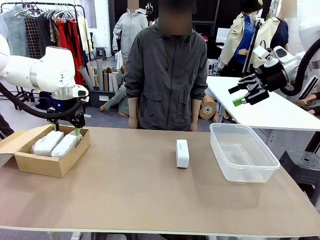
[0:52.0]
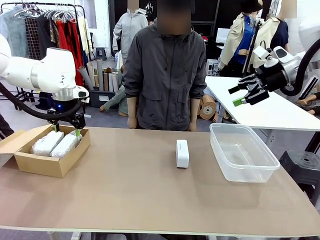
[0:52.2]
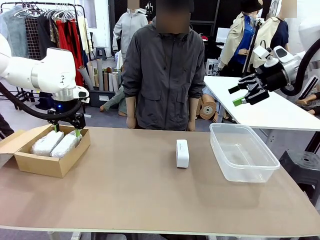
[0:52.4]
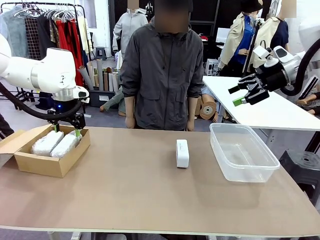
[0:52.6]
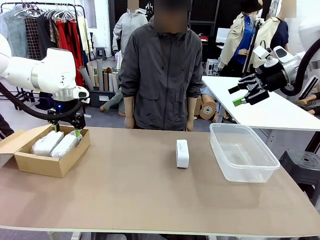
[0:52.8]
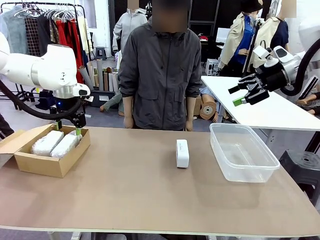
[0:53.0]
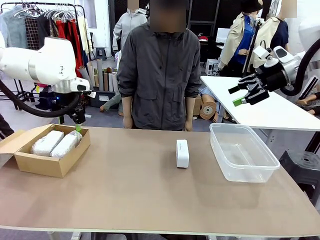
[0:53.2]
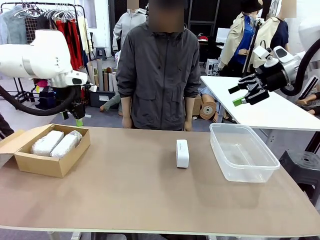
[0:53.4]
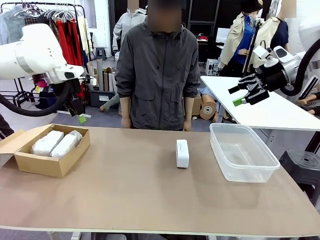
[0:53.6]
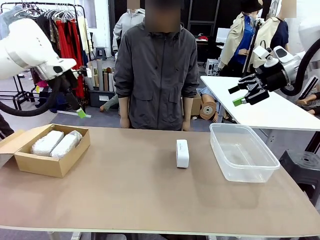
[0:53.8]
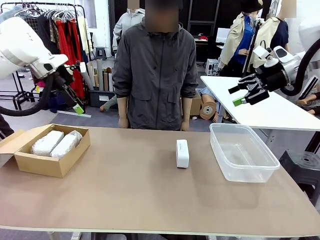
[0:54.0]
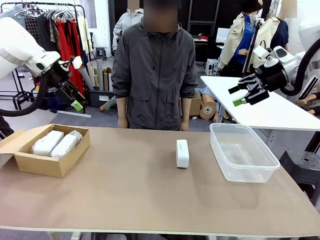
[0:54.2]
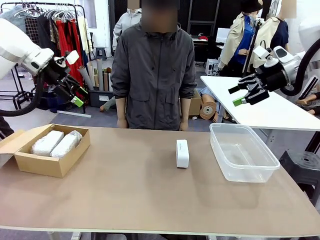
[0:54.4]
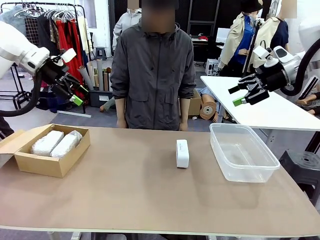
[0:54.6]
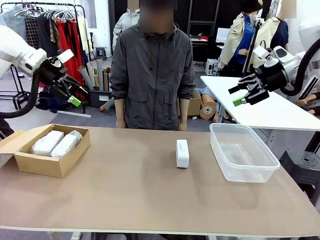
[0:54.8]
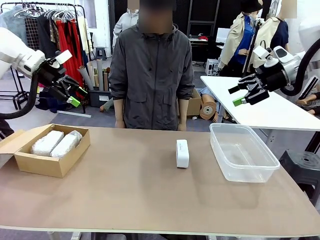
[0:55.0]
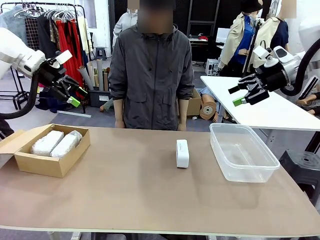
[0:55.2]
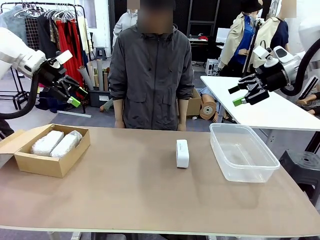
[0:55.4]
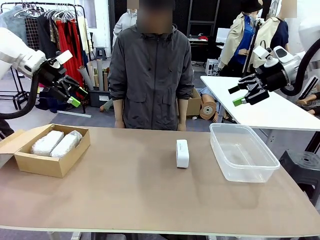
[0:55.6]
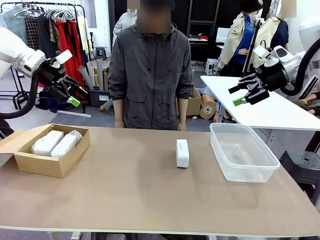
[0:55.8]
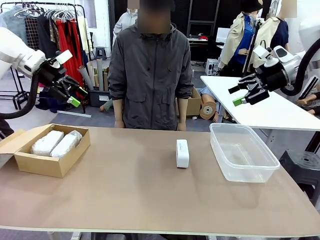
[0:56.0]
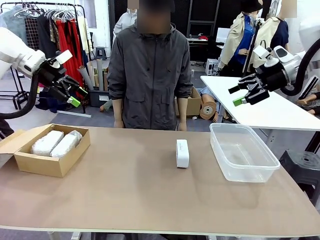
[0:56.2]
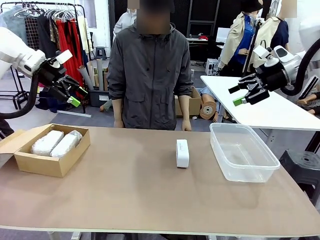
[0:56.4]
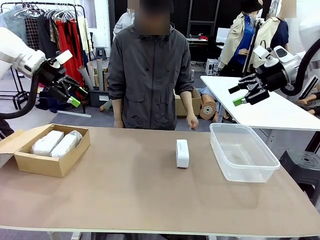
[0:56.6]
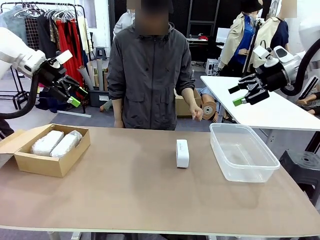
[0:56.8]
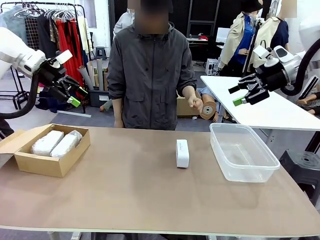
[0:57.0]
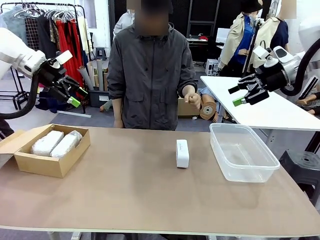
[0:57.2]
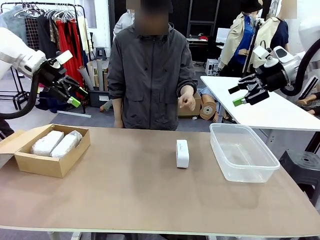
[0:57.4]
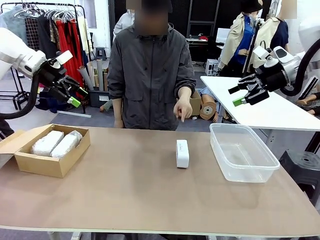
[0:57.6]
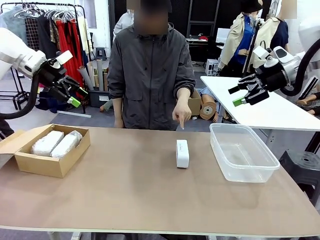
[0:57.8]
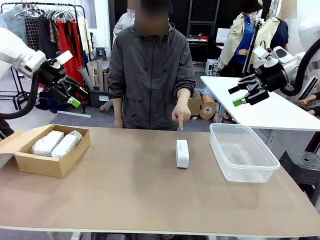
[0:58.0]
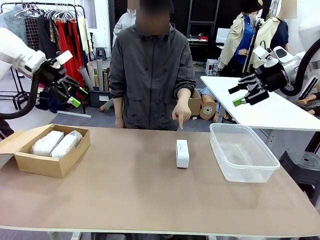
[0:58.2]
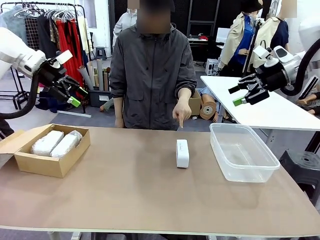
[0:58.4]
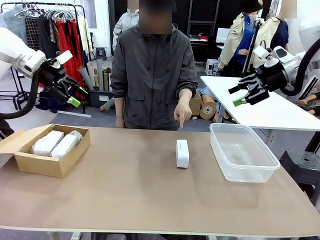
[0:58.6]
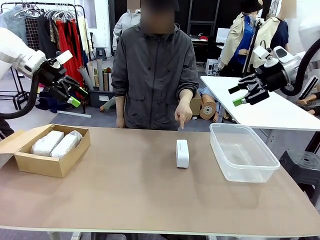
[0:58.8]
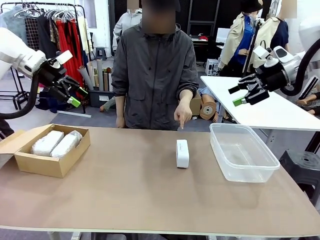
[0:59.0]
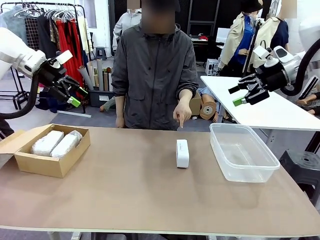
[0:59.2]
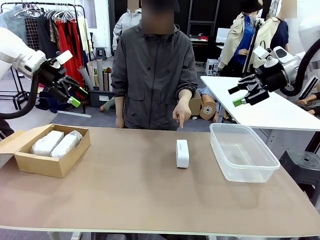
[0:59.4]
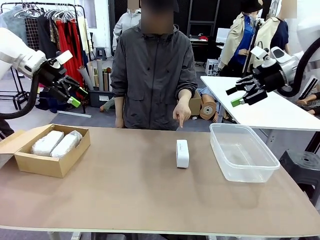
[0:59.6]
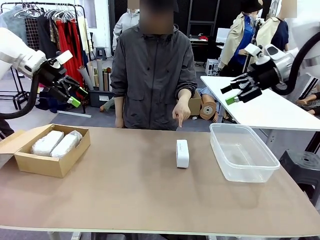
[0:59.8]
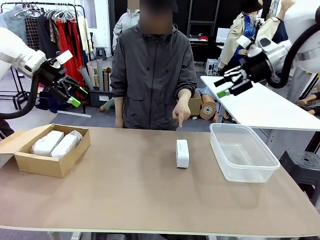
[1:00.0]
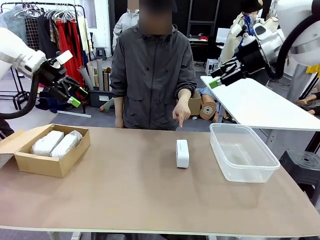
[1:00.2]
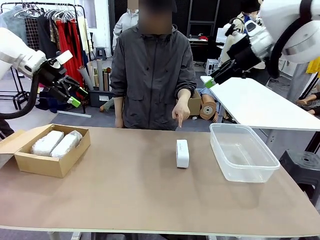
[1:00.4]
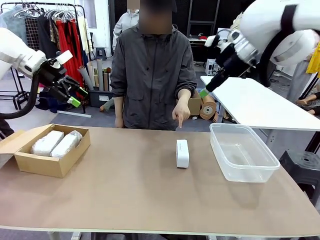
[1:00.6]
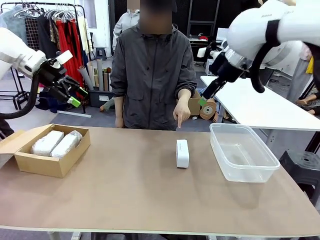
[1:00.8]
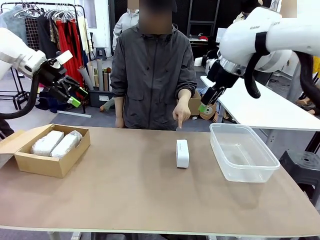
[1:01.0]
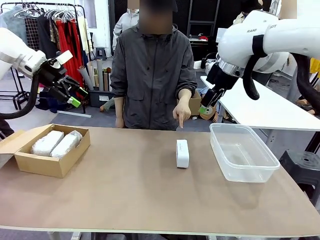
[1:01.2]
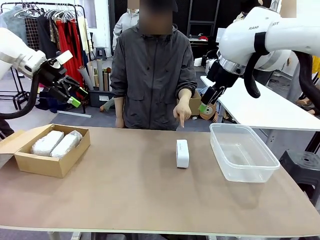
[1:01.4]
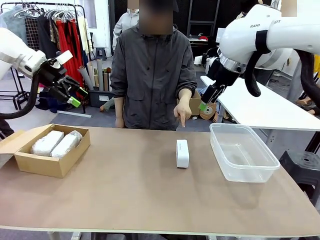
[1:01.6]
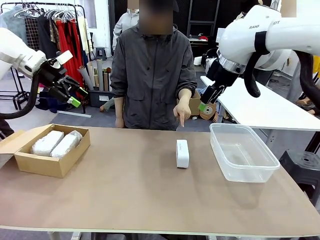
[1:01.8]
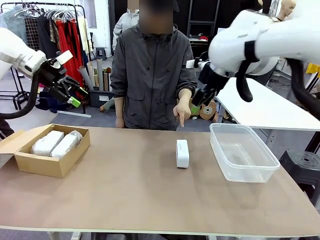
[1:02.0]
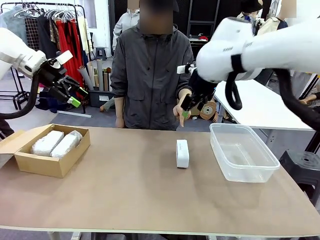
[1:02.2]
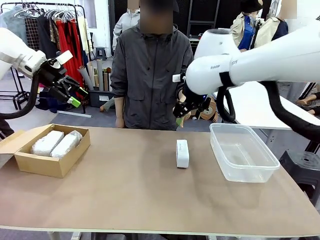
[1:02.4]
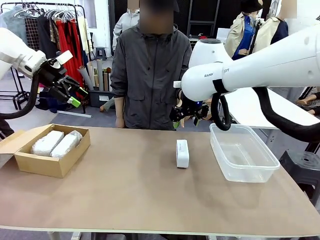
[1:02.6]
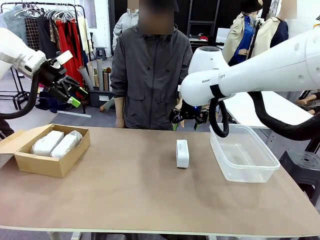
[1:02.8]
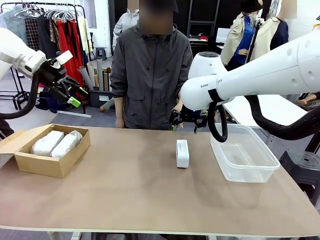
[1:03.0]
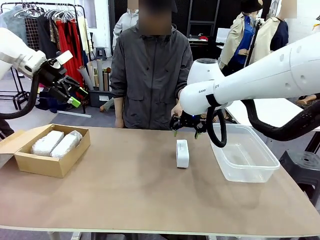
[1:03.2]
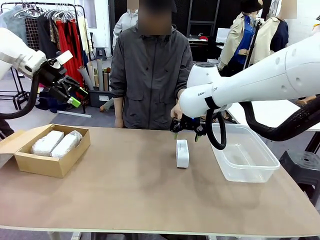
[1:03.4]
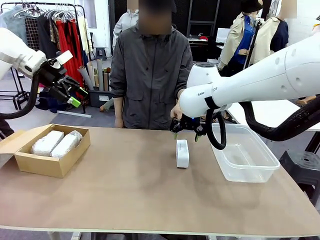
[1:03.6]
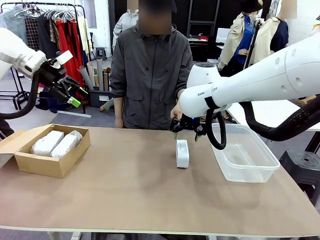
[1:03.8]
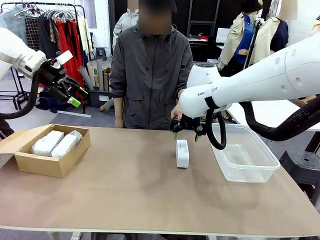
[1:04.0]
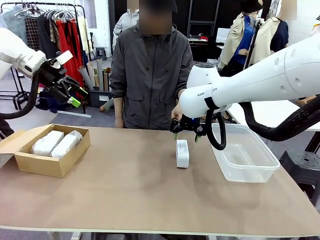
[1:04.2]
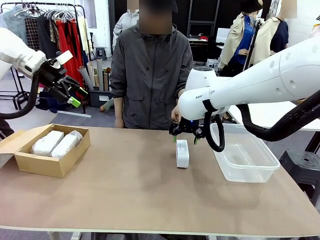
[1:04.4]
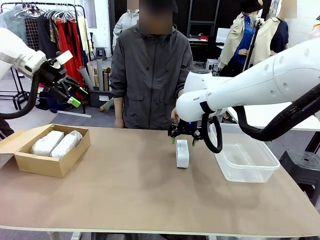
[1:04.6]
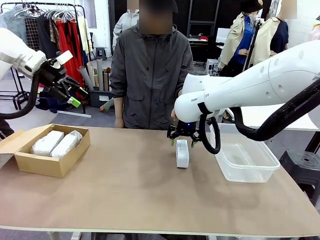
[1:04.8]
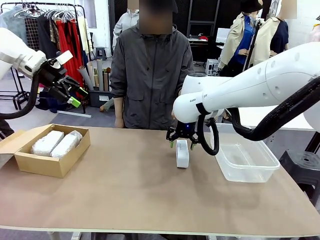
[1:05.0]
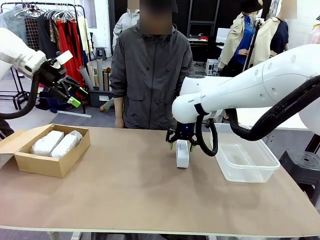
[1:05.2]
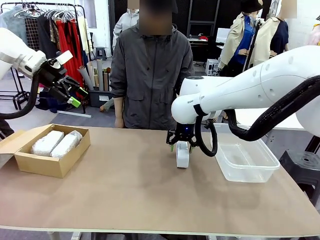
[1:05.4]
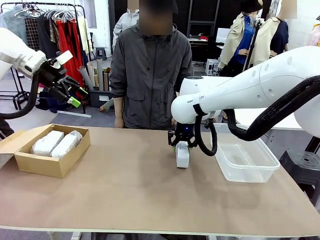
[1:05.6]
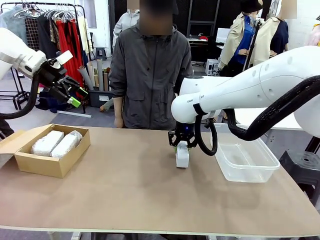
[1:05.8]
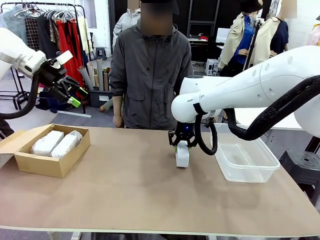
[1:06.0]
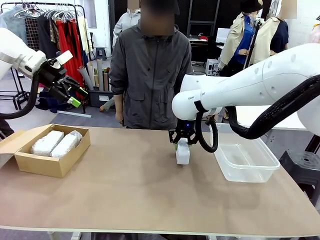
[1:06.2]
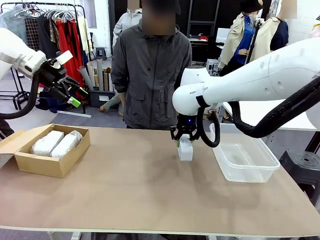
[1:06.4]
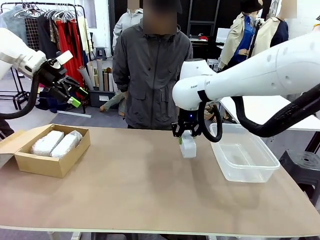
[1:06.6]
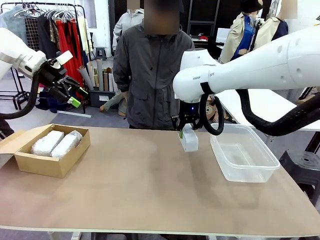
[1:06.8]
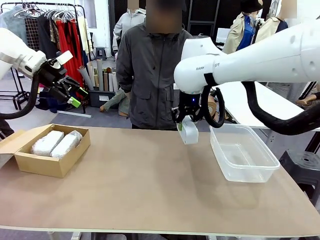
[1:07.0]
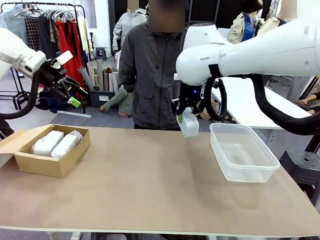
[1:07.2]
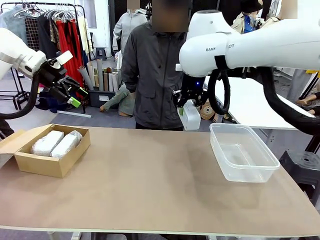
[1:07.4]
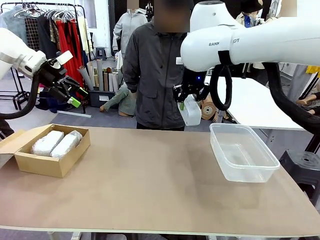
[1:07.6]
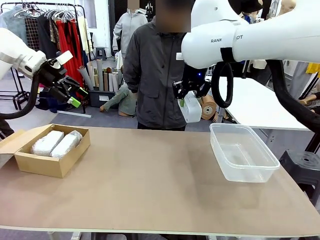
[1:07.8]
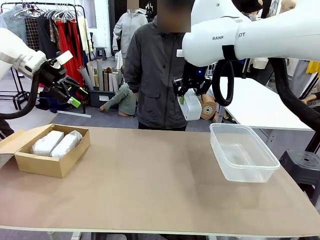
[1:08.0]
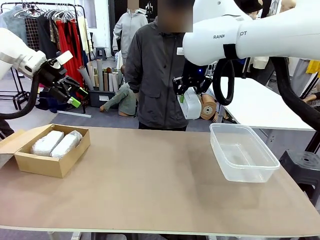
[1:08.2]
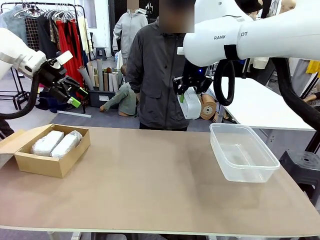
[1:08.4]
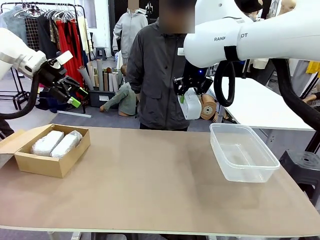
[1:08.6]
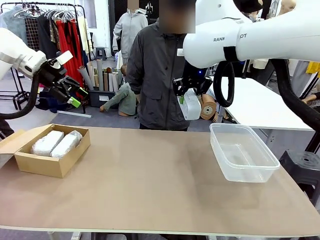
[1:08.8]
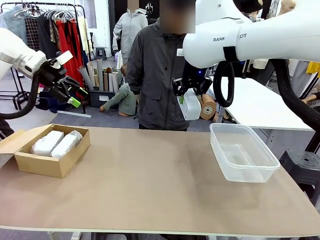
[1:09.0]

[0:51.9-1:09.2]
Task: Separate and place wrapped and unwrapped clocks.
Robot: Pick up the Digital clock indicated by the person.
